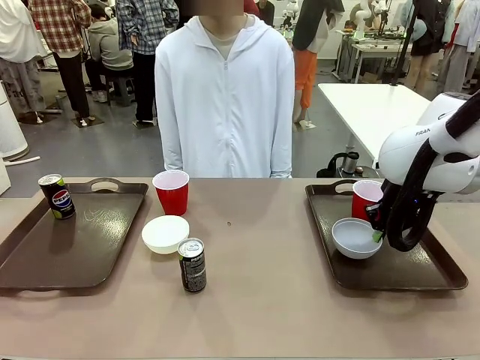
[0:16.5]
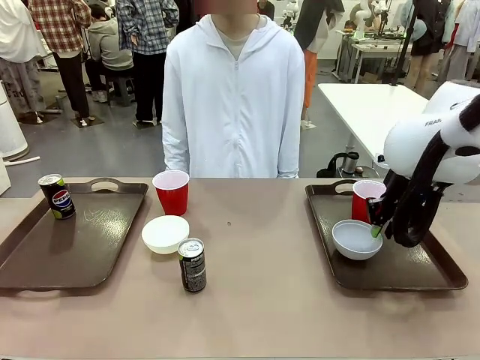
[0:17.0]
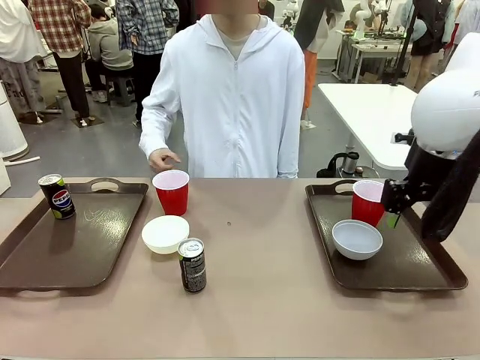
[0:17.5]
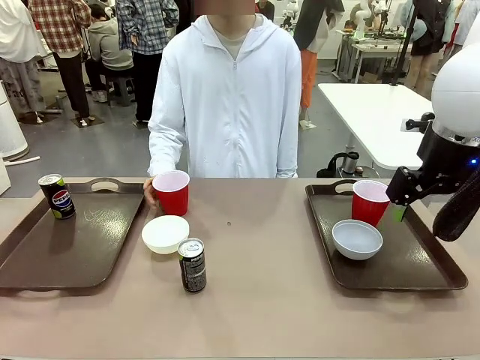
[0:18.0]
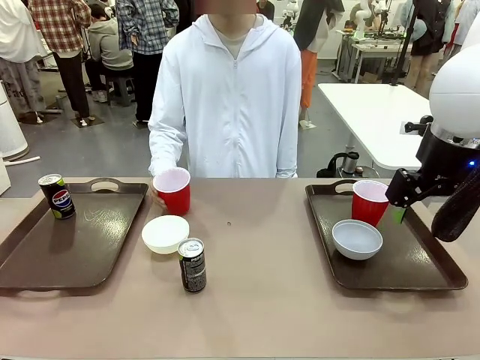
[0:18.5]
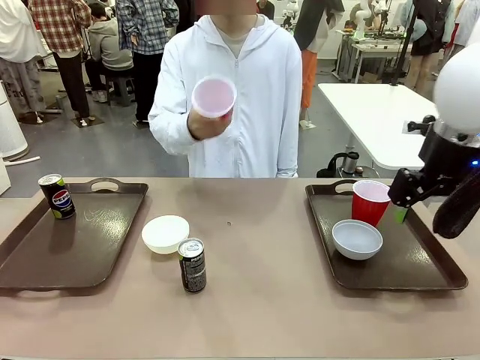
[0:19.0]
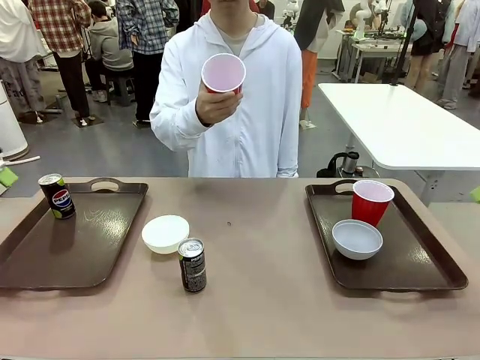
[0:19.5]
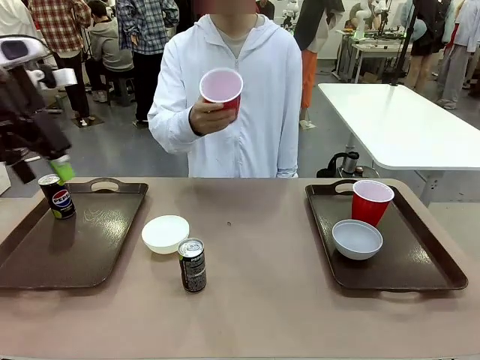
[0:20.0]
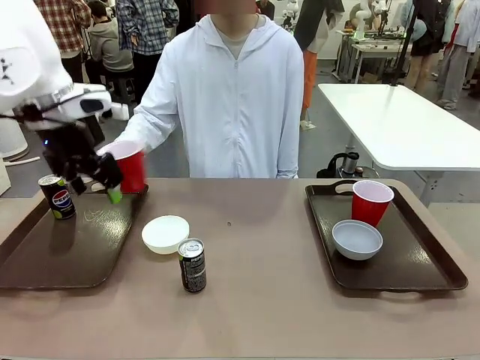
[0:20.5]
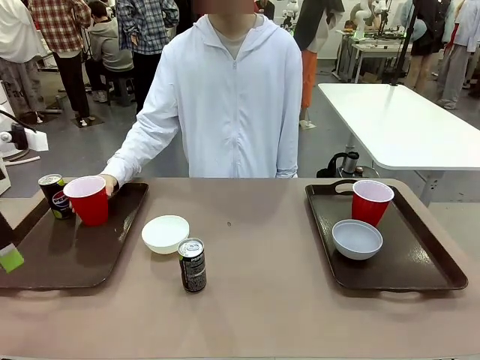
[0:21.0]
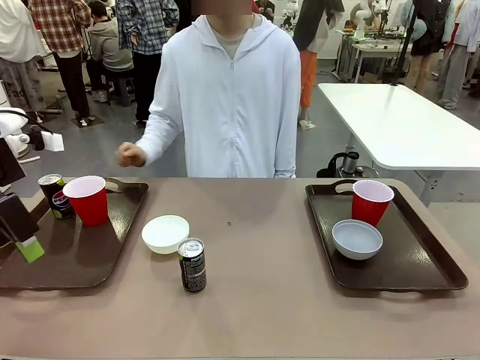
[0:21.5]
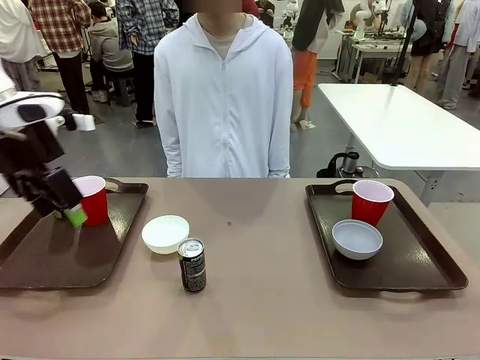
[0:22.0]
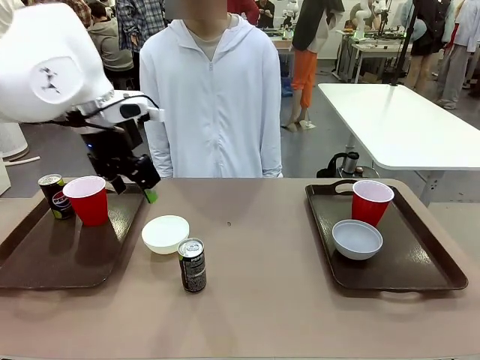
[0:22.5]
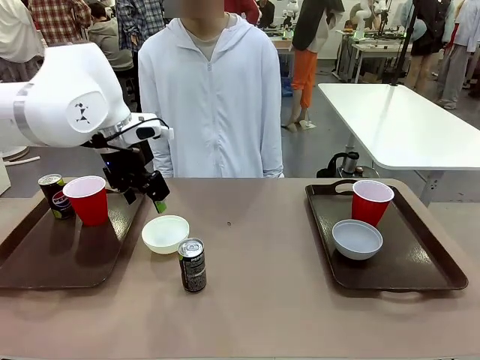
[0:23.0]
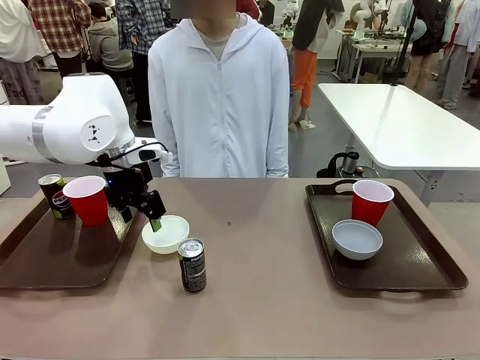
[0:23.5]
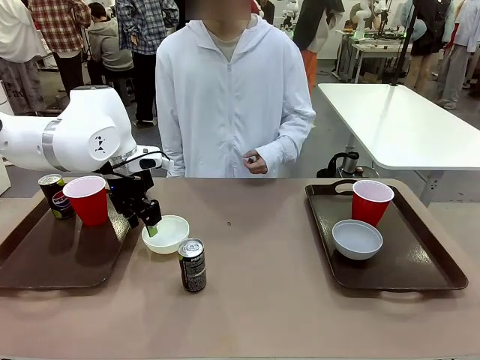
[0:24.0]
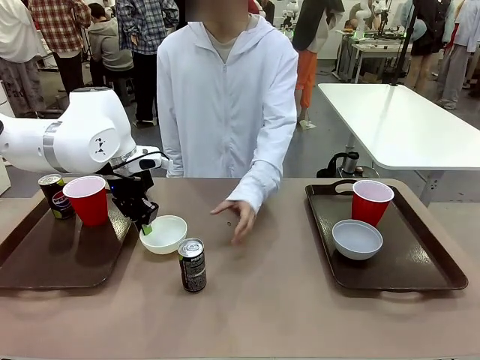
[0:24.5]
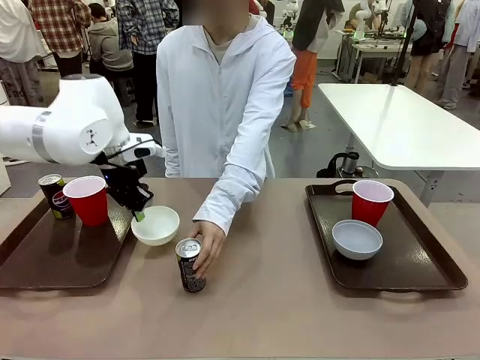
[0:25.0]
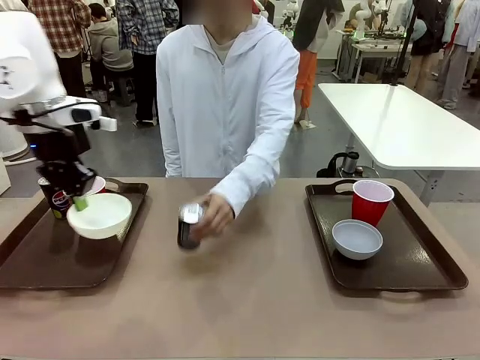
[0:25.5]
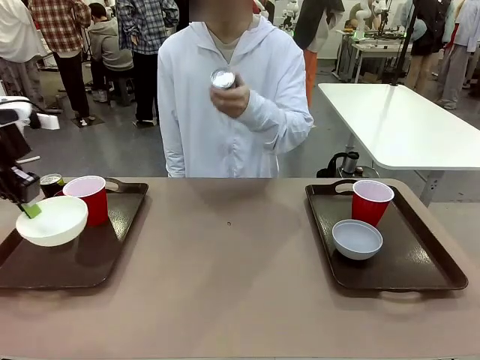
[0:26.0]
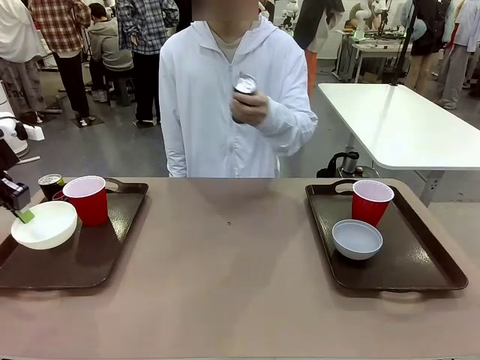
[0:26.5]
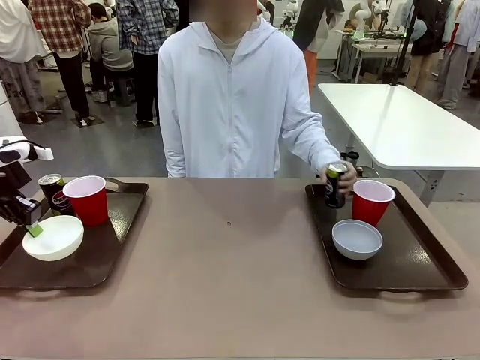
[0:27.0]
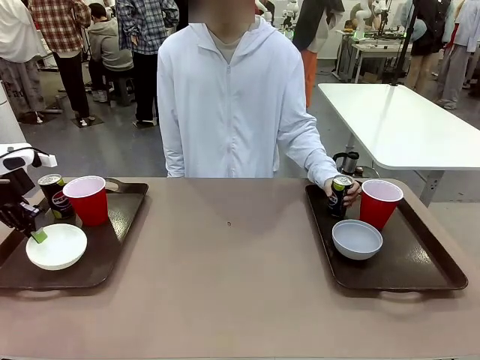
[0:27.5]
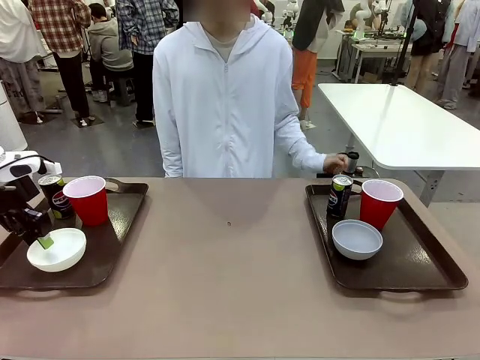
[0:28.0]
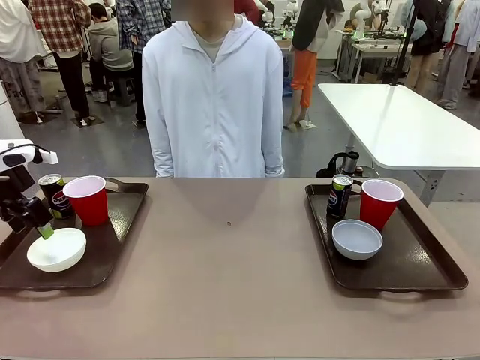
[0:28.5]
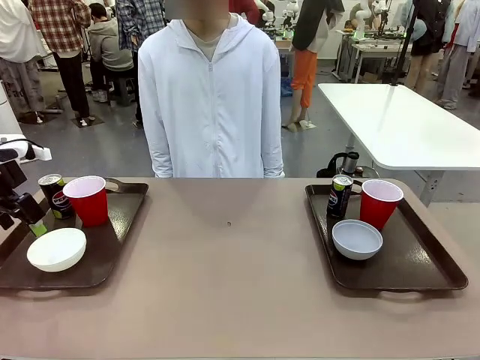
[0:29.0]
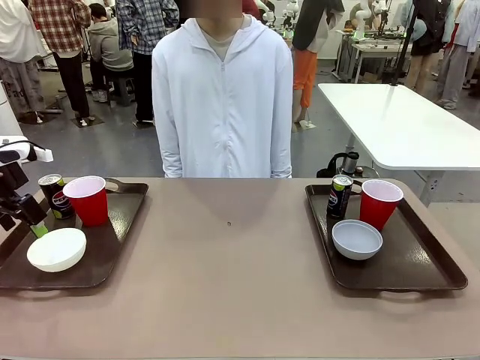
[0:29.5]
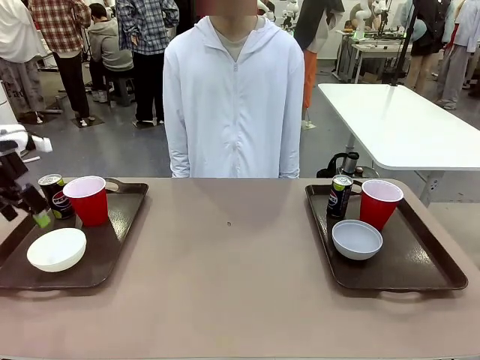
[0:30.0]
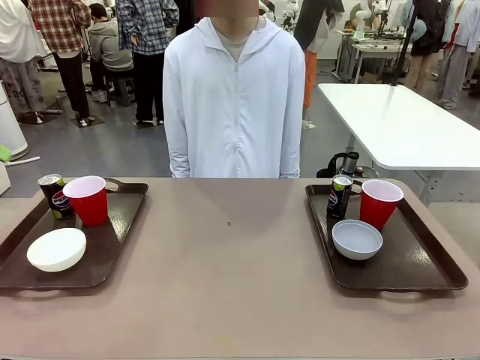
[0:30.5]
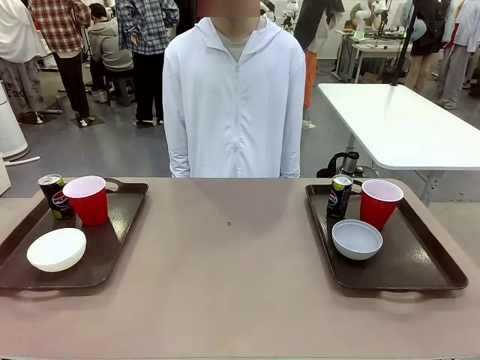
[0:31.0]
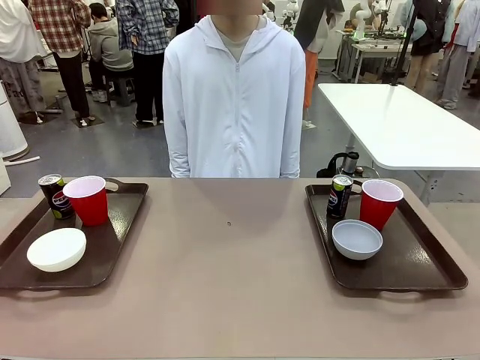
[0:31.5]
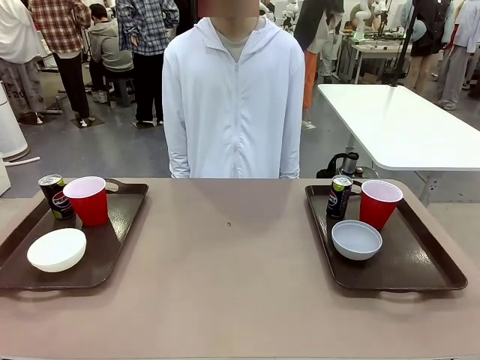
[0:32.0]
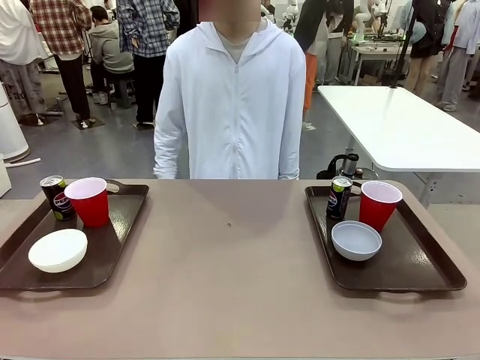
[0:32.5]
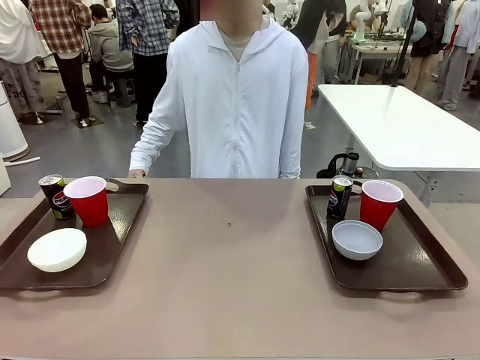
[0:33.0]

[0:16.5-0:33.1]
Task: Prepare tableware on both trays.
Robot: Pick up a Picnic Bowl from the table and place it on a Handle tray.
Person: Pick up a can or cup and place it on the tray without a can or cup.

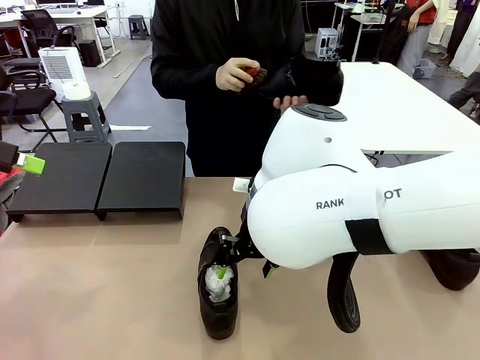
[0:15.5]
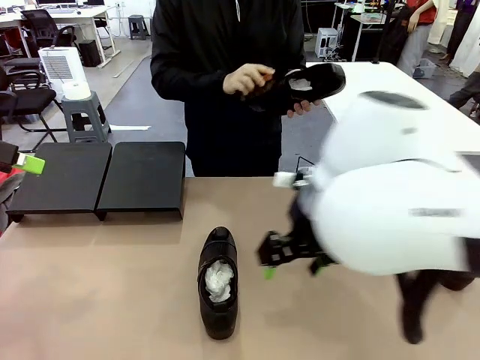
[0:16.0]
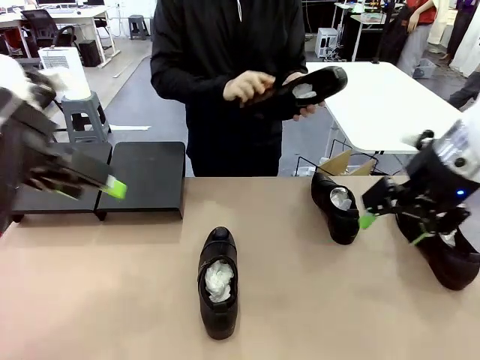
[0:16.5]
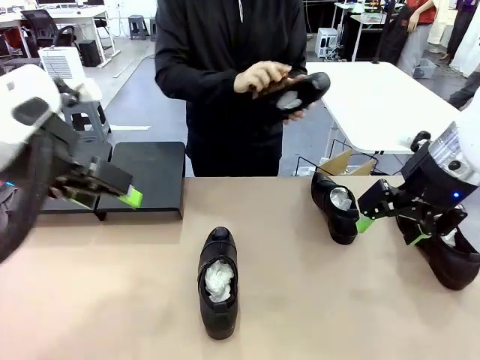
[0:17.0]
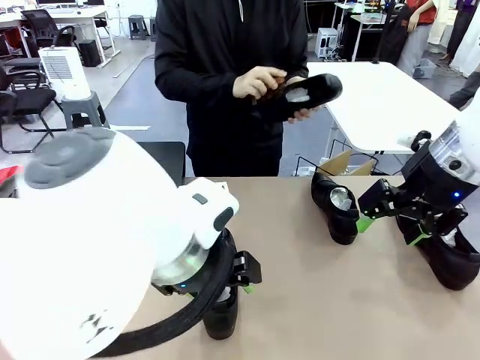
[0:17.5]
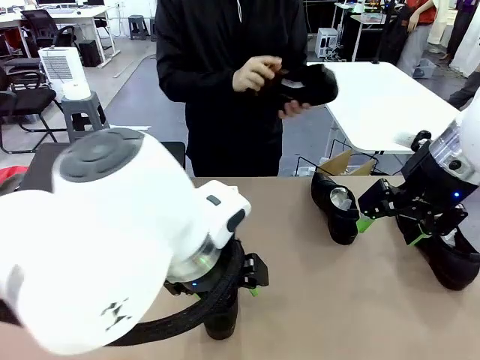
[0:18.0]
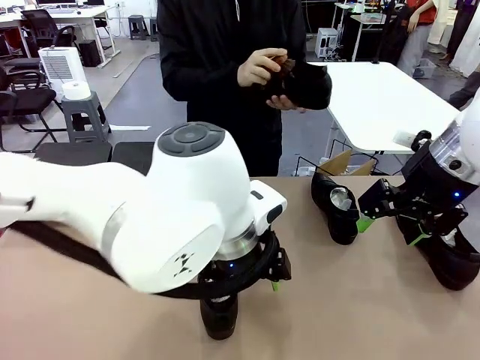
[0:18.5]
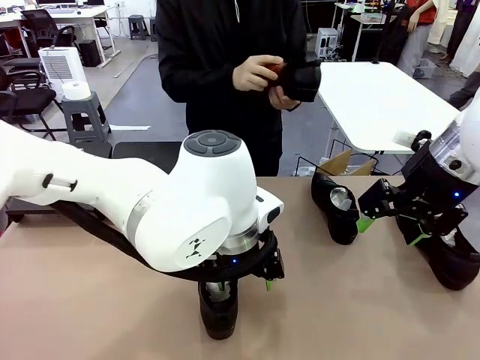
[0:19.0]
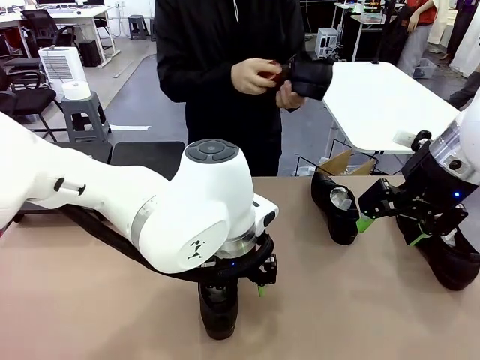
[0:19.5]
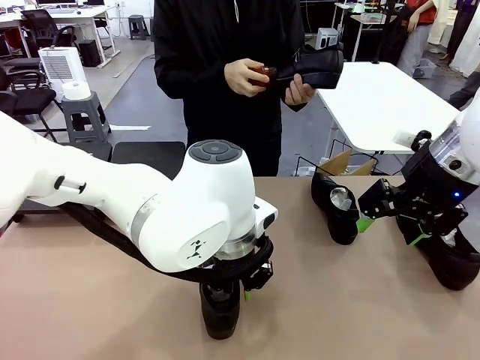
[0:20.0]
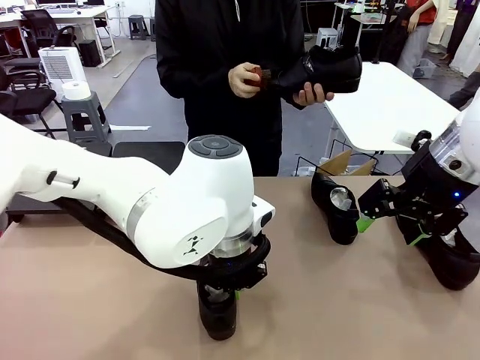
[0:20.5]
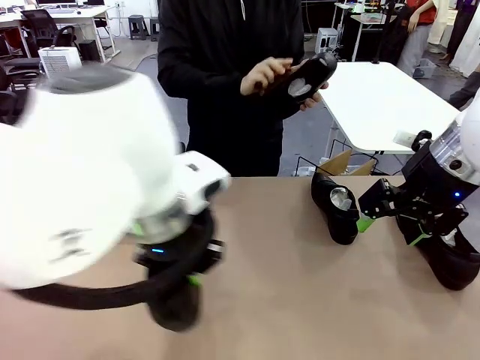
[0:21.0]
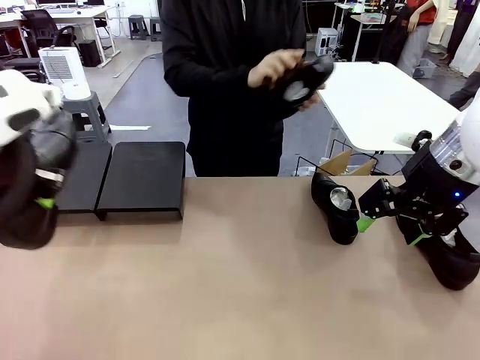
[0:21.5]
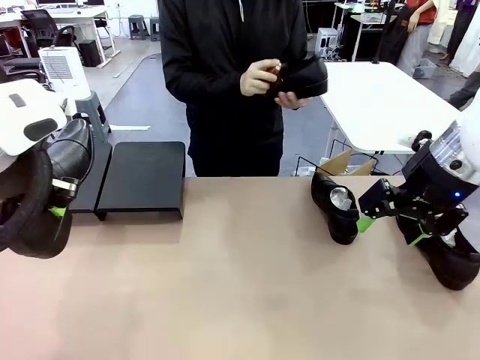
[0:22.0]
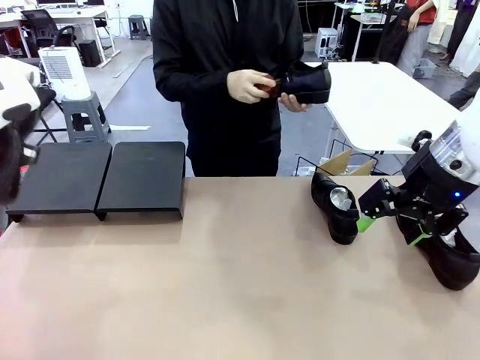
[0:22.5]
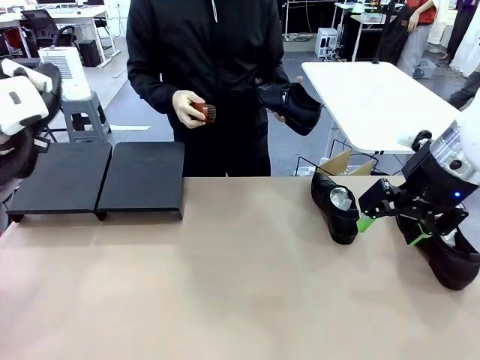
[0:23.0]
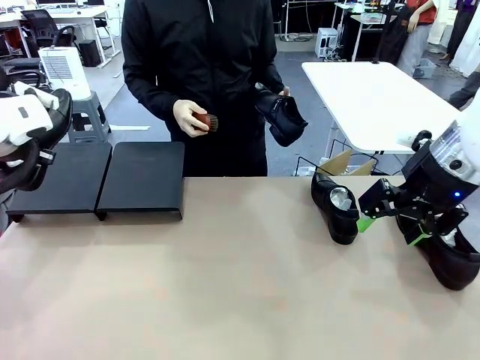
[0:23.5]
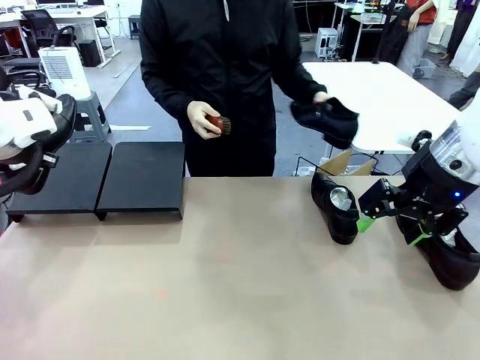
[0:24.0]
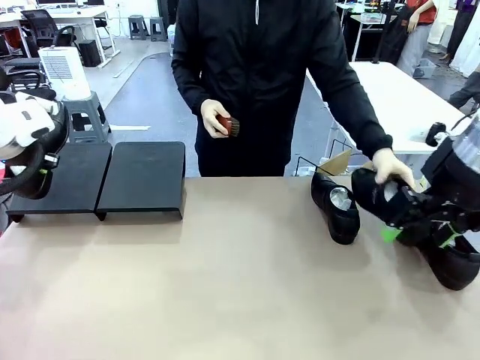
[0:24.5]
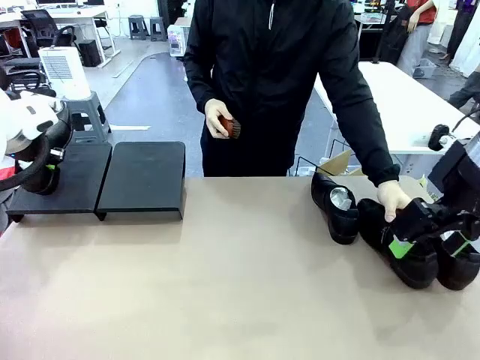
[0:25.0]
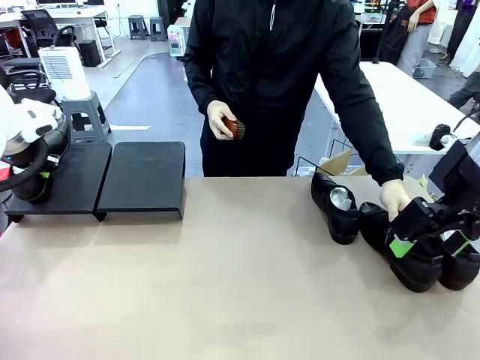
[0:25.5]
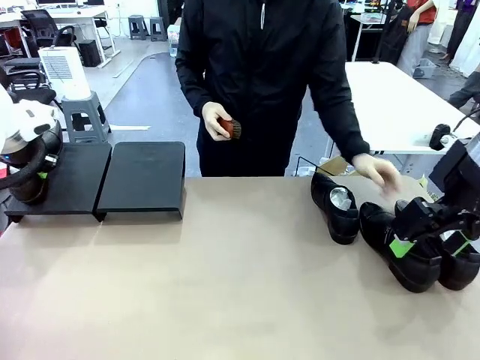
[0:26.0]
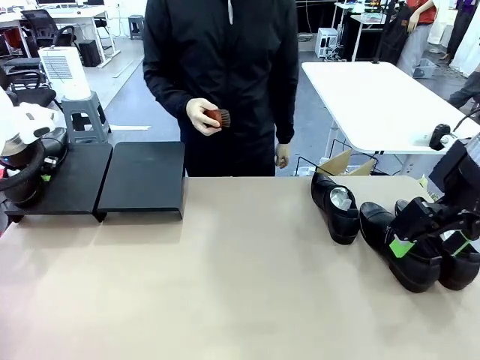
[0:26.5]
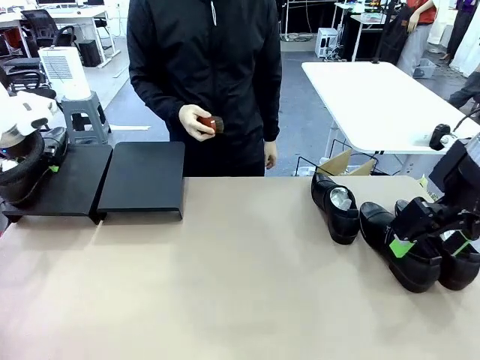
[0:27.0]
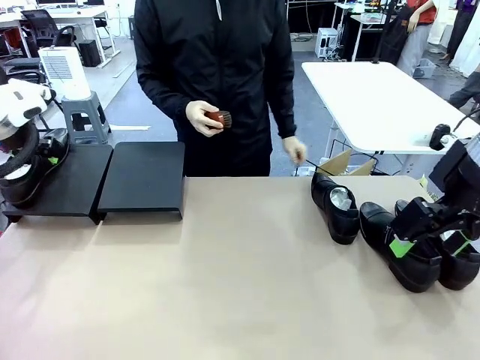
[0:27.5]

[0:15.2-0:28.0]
Task: Organize the shoes by placing them on the stand.
Robot: Place the Shoe from the middle of the table onto the Shoes Stand.
Person: Place the Shoe on left side of the Robot's table.
